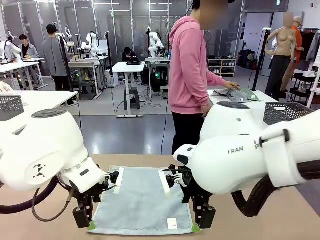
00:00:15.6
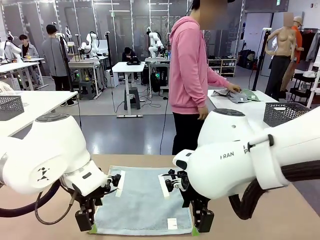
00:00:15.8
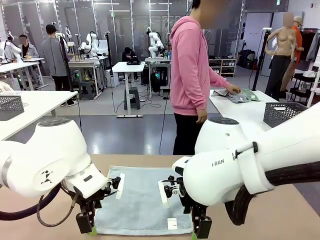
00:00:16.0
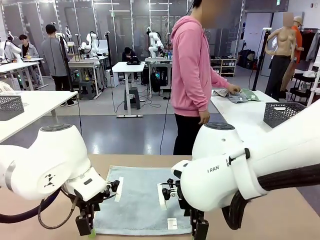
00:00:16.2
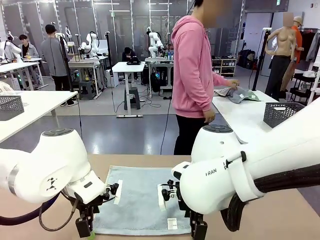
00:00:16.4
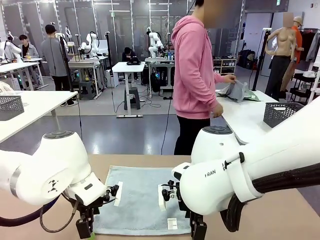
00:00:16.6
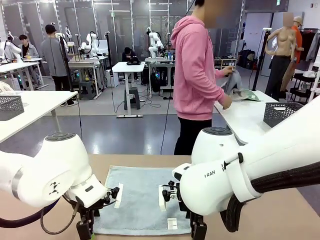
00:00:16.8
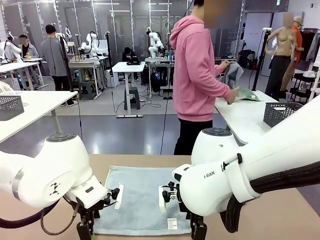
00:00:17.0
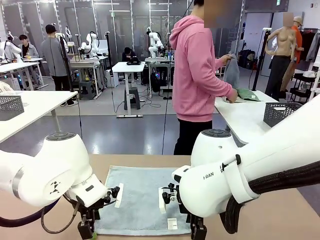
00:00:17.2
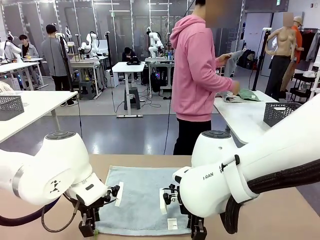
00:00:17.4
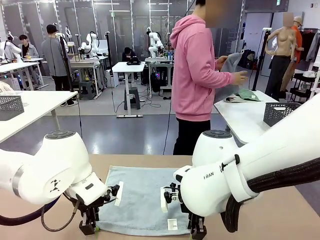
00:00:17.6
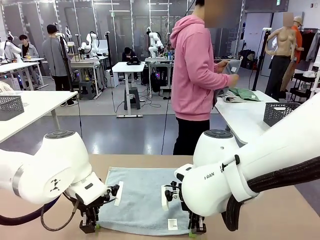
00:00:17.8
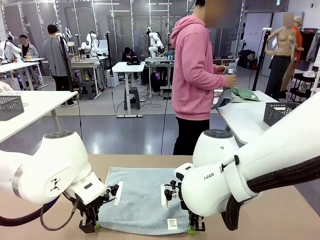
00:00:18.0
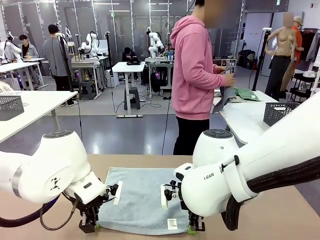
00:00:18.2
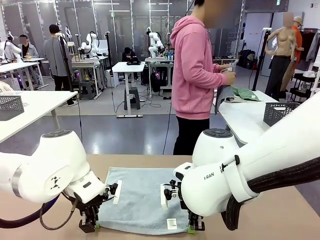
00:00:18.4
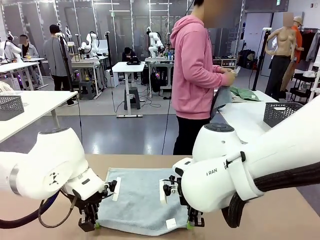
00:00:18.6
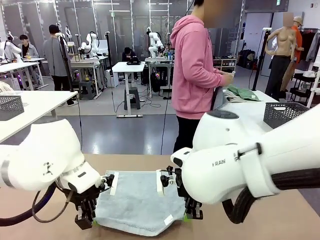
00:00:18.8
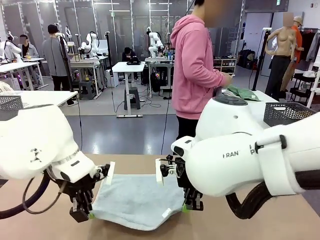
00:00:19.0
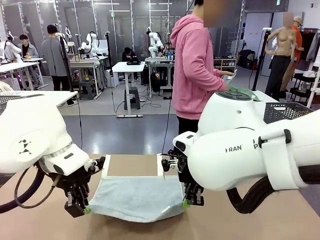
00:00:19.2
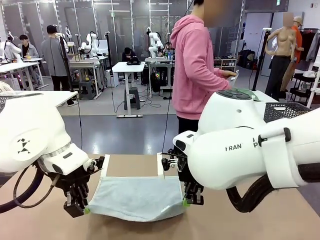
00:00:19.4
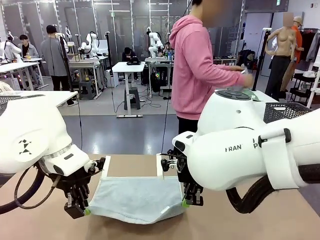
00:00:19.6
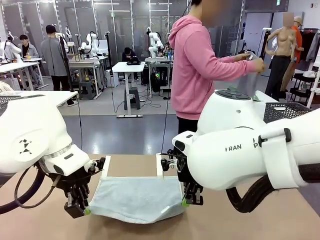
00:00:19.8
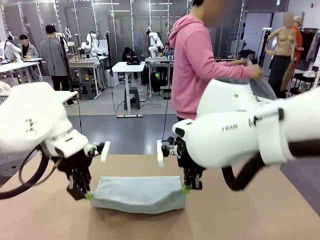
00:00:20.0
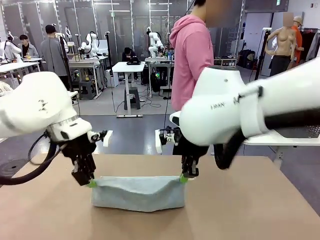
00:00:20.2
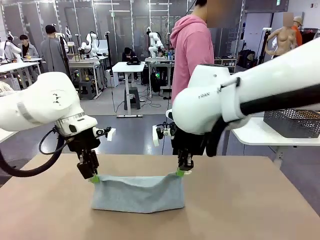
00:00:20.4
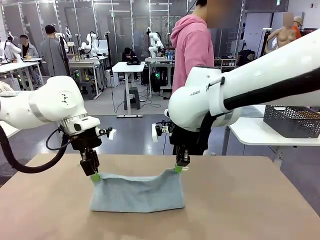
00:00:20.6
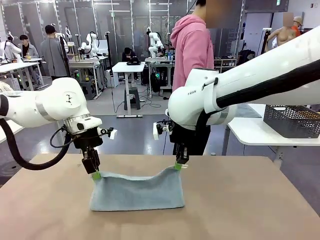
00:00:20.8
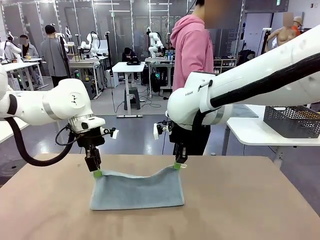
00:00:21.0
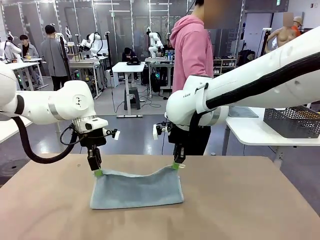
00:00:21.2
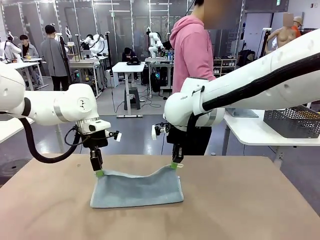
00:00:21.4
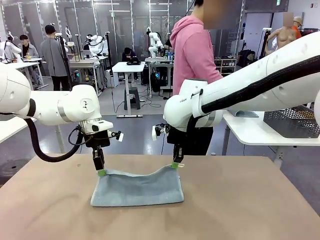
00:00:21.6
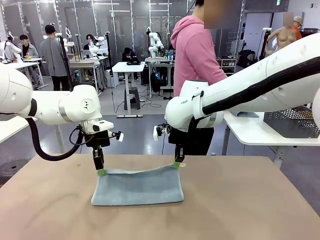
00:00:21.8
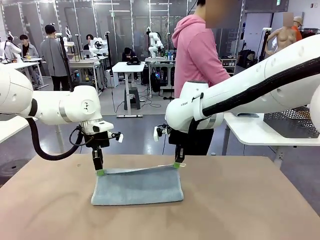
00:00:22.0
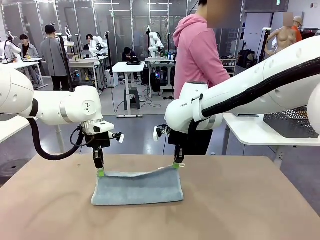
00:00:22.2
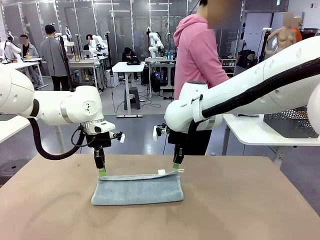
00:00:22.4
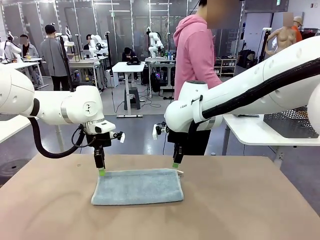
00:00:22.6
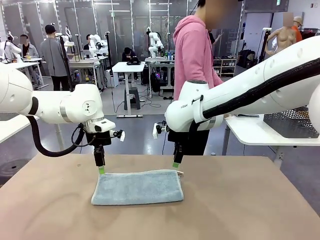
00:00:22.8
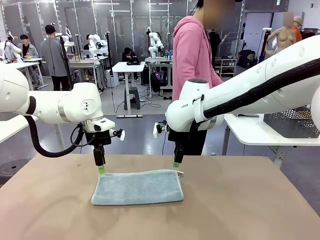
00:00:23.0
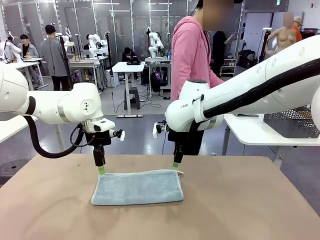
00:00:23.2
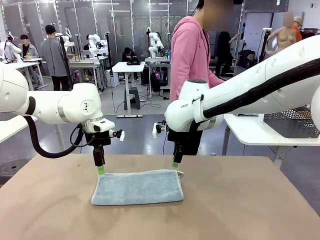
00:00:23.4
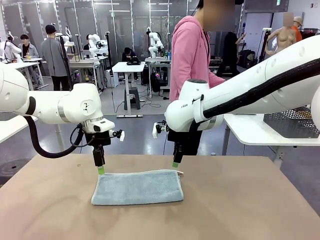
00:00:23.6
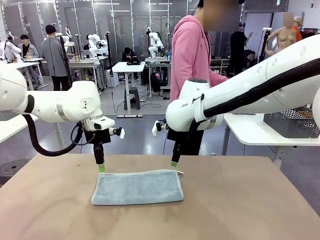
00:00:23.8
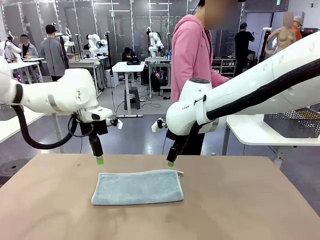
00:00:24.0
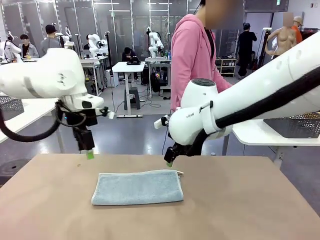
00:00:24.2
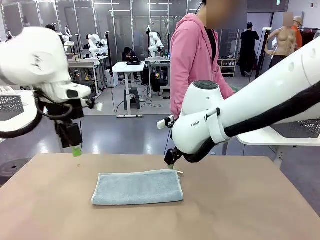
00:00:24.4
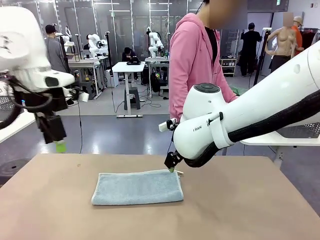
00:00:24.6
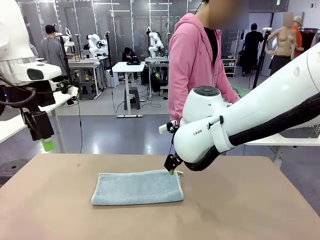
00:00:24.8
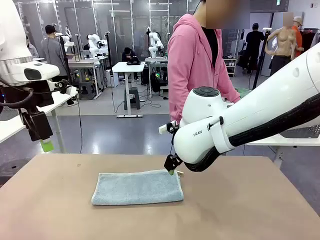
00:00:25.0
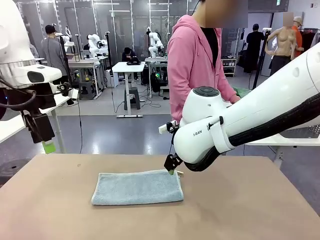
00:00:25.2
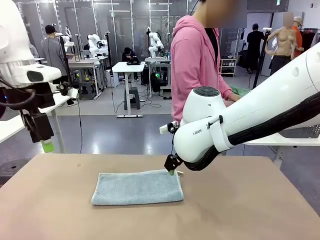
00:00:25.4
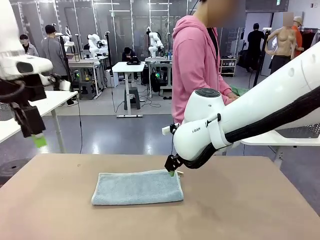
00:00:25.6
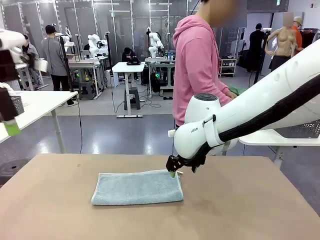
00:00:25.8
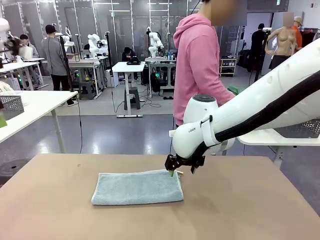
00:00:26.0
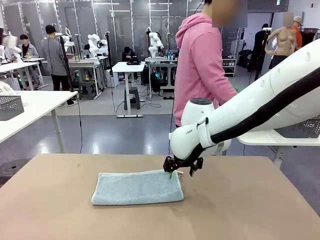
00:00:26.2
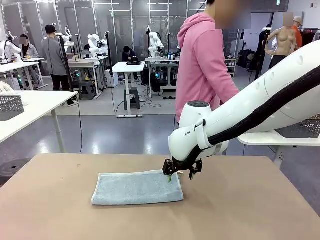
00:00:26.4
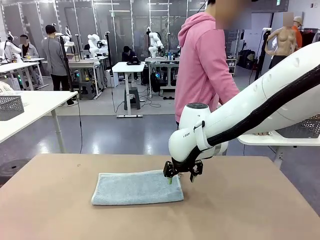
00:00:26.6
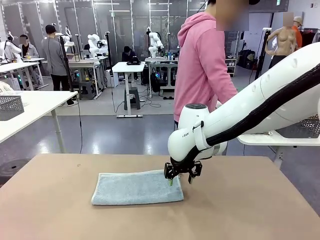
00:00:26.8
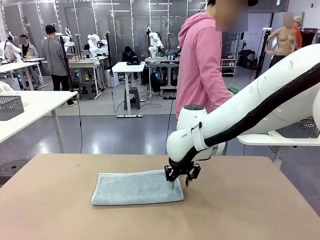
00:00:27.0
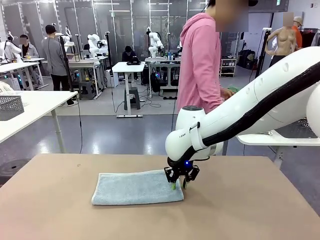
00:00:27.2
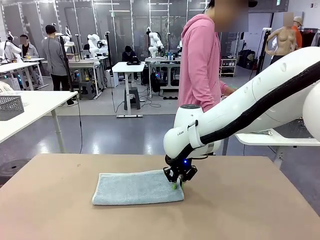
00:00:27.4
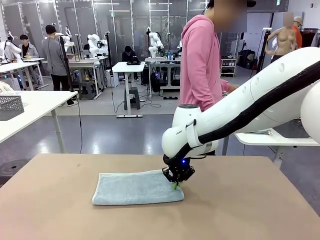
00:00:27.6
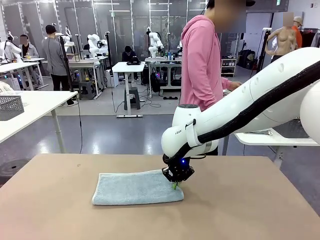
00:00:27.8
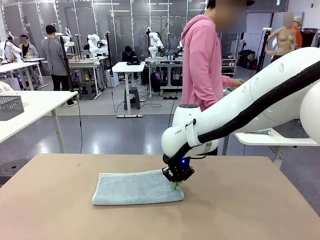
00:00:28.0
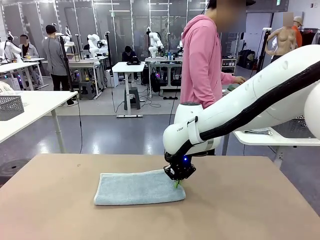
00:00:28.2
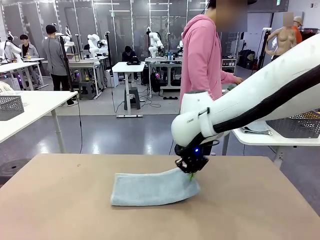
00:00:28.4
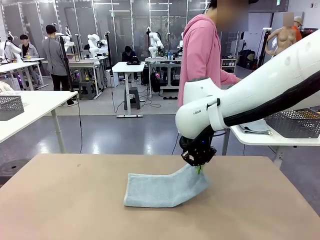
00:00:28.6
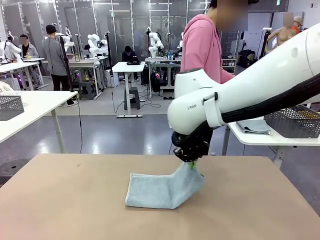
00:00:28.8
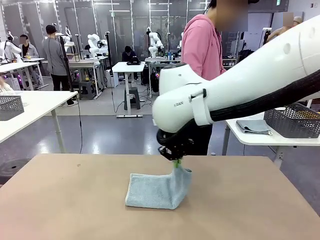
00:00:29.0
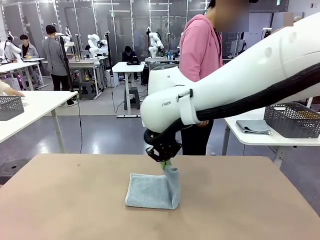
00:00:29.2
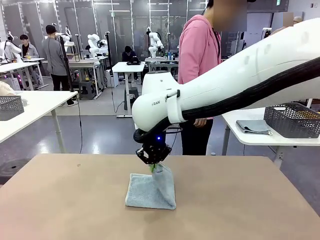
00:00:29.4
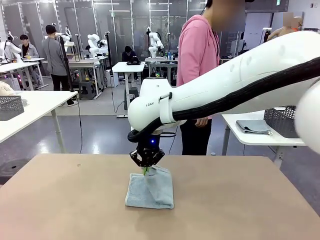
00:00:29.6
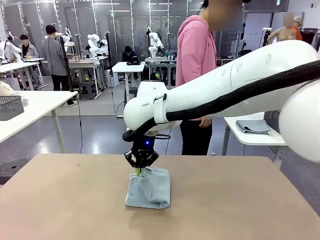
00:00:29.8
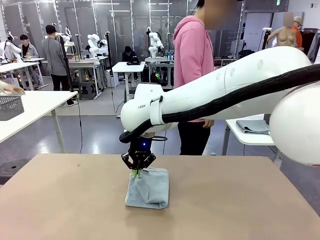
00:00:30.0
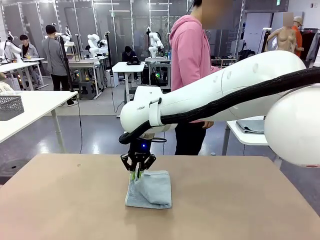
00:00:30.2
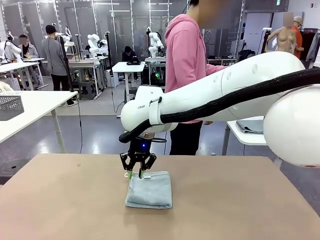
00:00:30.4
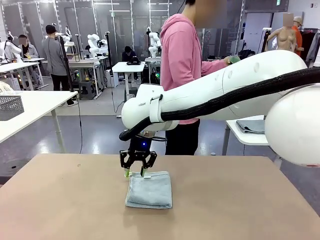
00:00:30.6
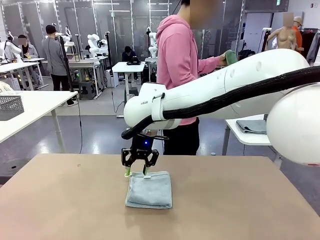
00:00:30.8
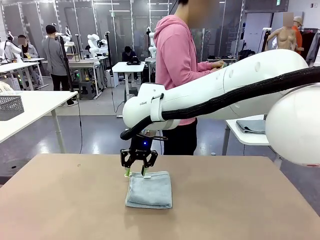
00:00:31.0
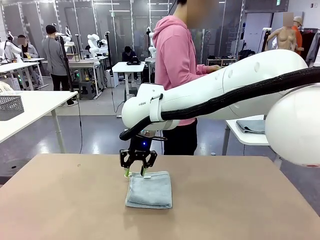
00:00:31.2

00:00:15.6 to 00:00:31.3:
Task: Fold the towels and place them in the basket.
Robot: When a person lays out a Towel with hook on the table, fold it in half twice.
Person: Pick up one towel from the left side of the human table, fold it in half twice, and place it on the right side of the table.

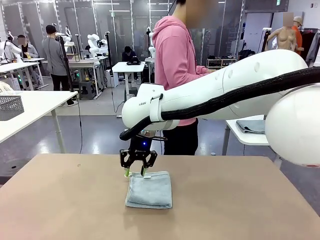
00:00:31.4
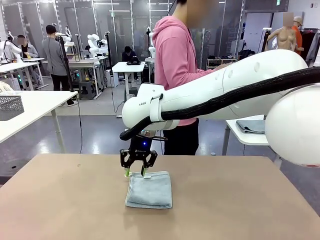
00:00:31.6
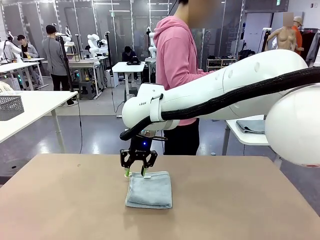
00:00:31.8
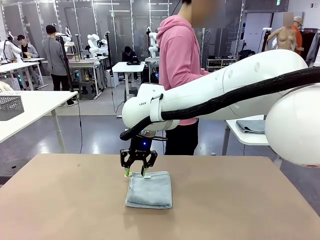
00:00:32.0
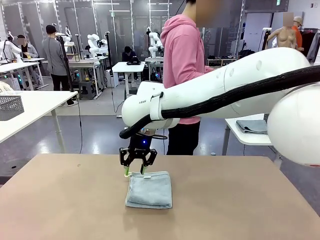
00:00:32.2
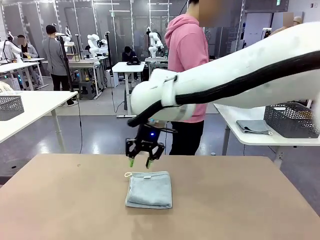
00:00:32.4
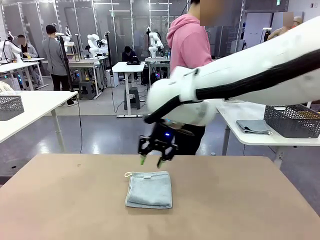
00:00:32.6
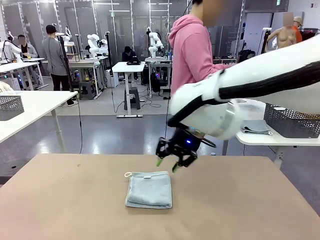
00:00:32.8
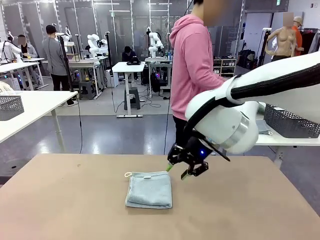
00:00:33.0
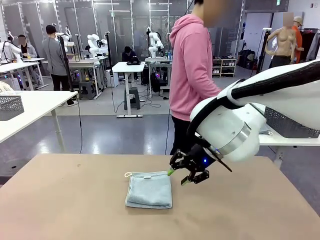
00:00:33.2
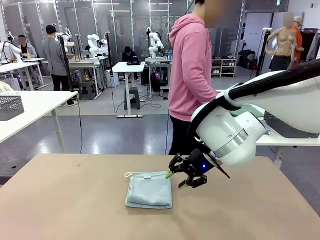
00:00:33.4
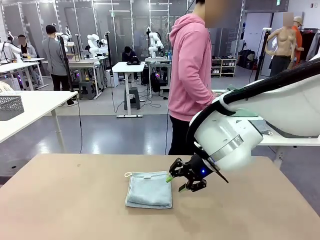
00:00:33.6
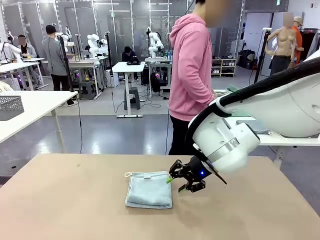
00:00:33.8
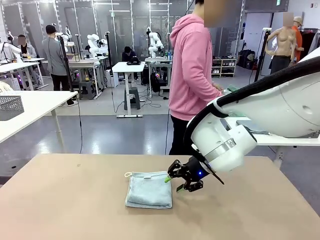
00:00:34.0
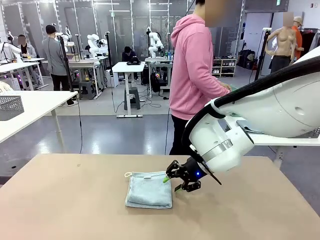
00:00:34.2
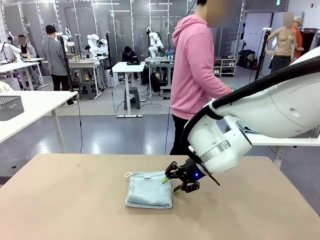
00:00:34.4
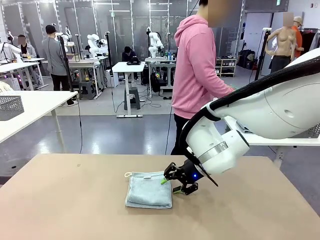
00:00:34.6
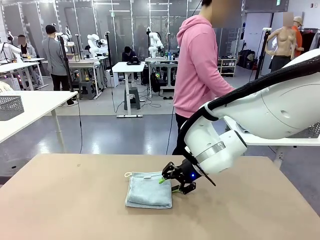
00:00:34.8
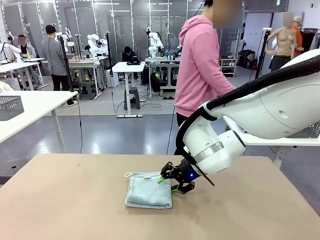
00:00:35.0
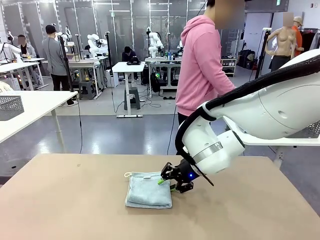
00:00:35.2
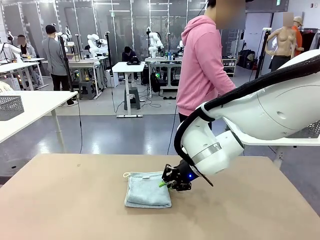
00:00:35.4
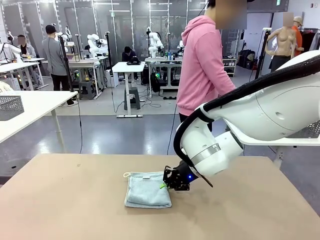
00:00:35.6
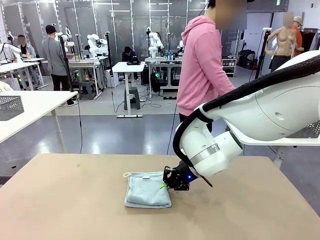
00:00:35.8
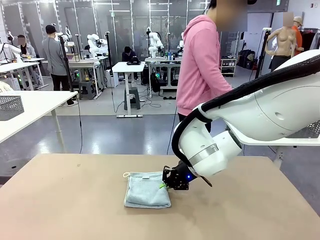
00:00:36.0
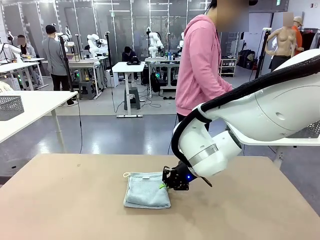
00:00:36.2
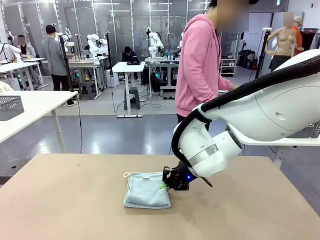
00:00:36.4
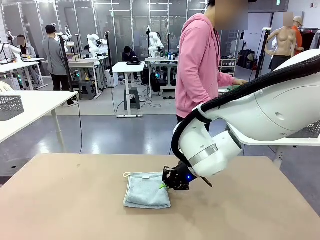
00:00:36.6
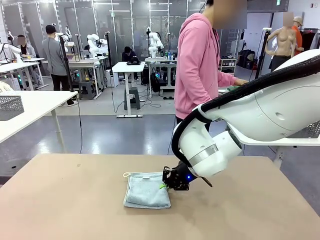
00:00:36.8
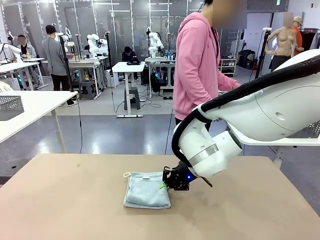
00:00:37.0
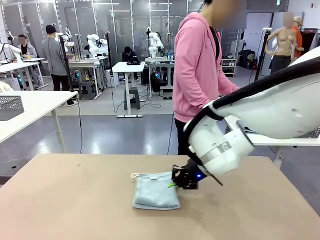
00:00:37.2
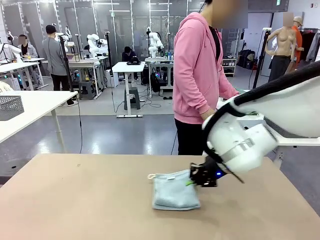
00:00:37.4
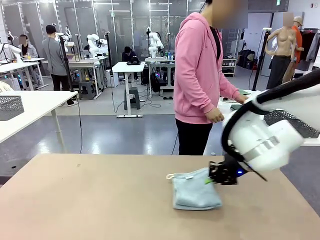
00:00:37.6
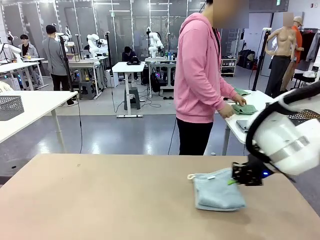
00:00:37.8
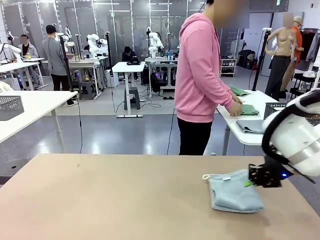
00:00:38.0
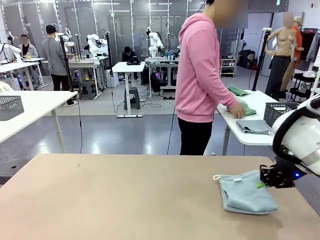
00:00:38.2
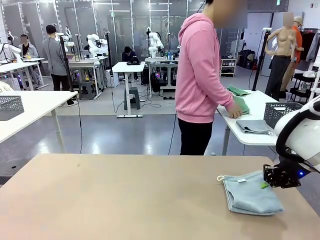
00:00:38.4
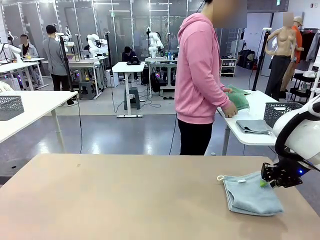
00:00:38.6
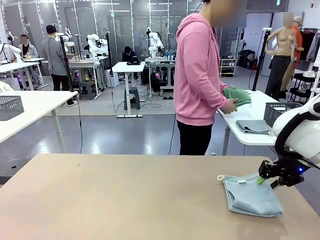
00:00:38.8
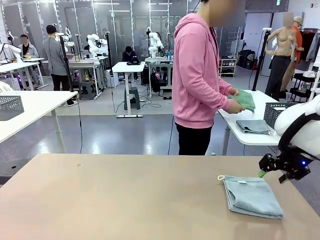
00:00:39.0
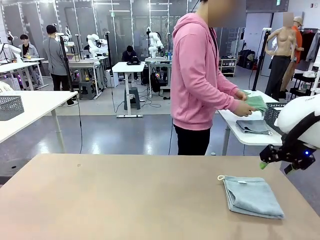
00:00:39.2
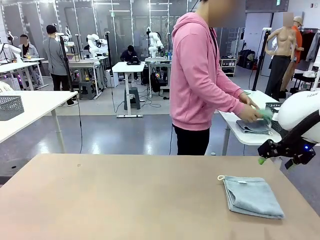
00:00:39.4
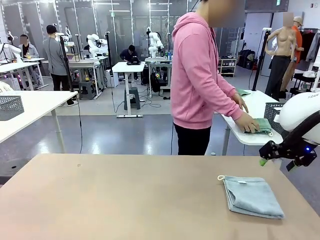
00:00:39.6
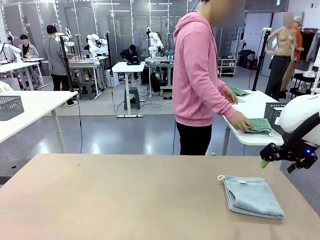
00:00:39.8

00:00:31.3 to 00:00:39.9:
Robot: Place the folded Towel with hook on the right side of the table.
Person: Pick up one towel from the left side of the human table, fold it in half twice, and stack it on the right side of the table.
